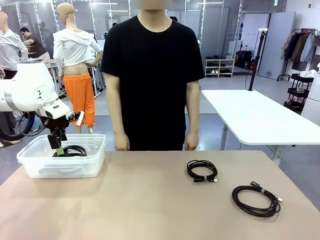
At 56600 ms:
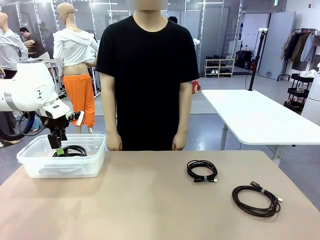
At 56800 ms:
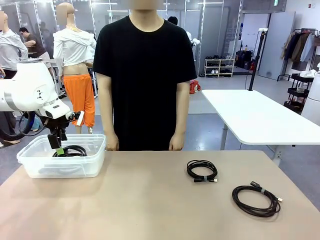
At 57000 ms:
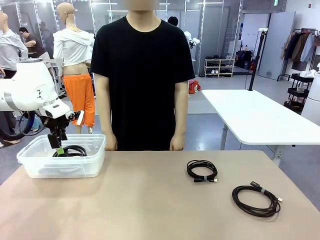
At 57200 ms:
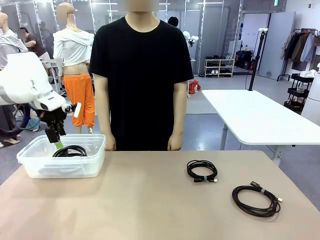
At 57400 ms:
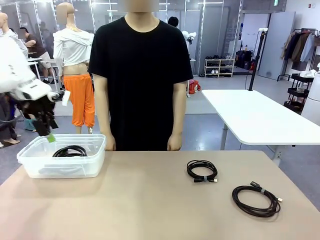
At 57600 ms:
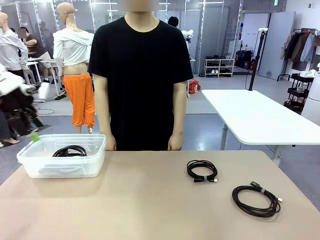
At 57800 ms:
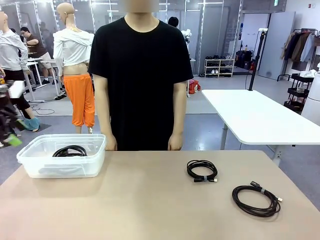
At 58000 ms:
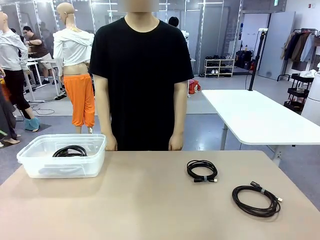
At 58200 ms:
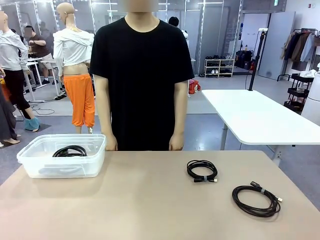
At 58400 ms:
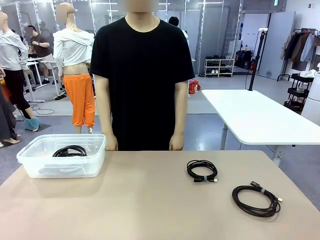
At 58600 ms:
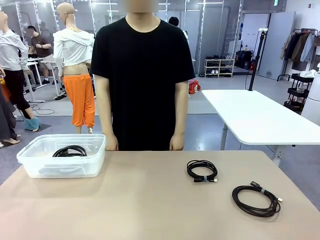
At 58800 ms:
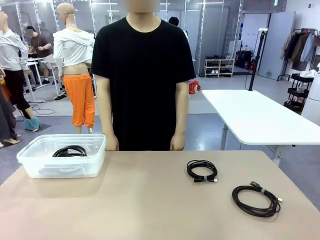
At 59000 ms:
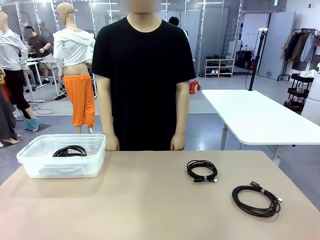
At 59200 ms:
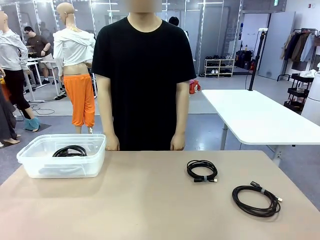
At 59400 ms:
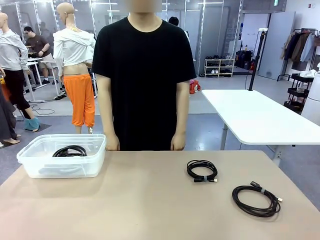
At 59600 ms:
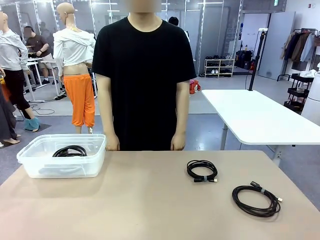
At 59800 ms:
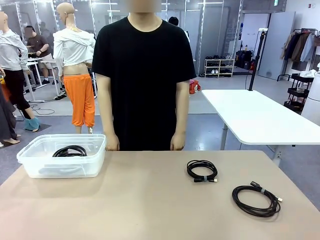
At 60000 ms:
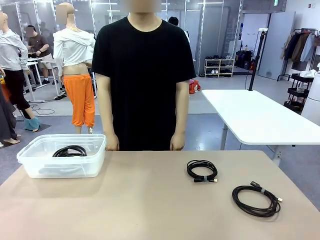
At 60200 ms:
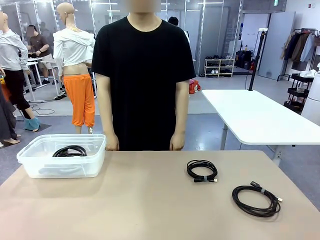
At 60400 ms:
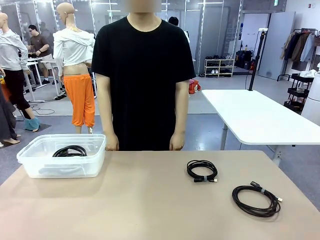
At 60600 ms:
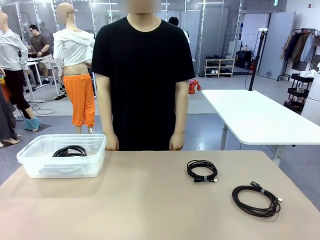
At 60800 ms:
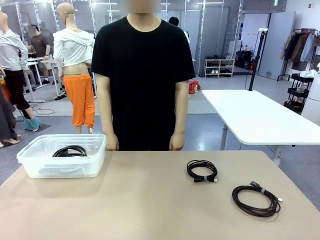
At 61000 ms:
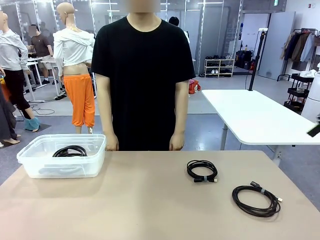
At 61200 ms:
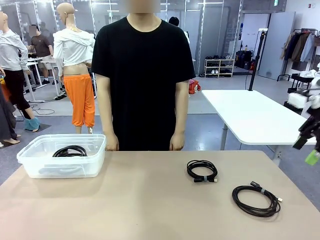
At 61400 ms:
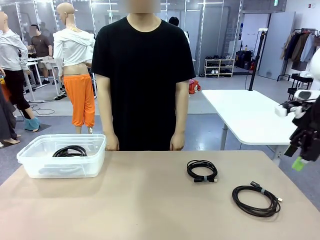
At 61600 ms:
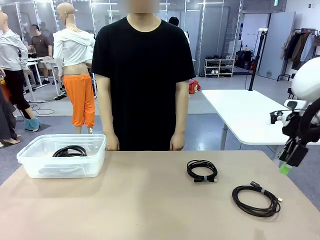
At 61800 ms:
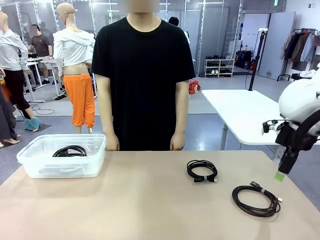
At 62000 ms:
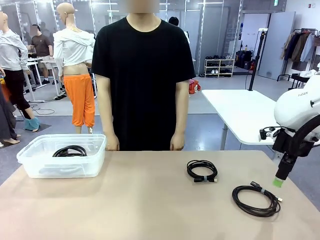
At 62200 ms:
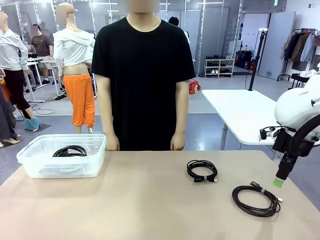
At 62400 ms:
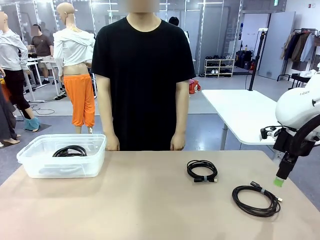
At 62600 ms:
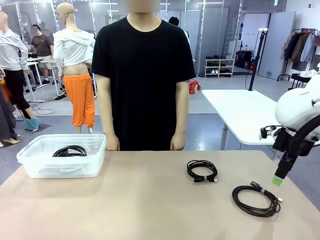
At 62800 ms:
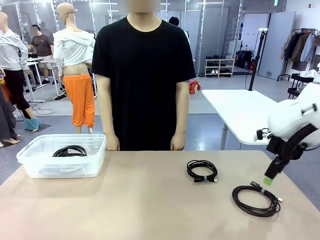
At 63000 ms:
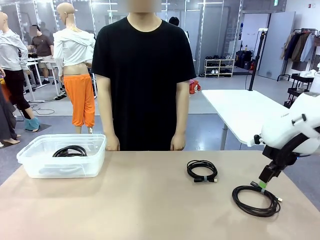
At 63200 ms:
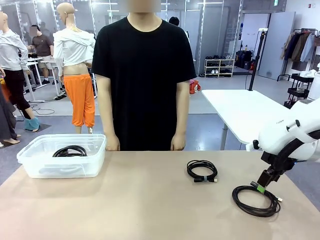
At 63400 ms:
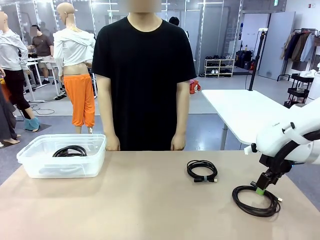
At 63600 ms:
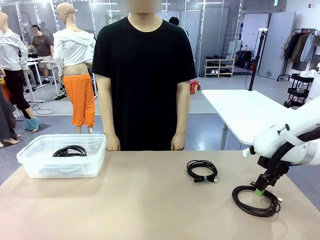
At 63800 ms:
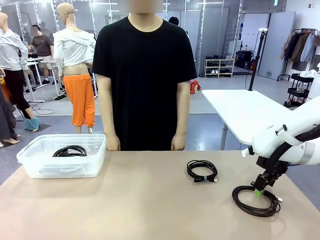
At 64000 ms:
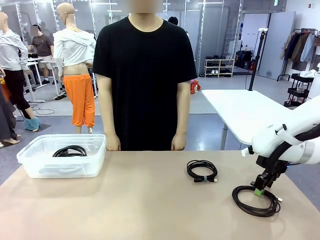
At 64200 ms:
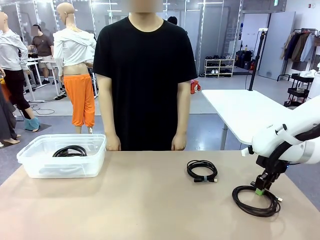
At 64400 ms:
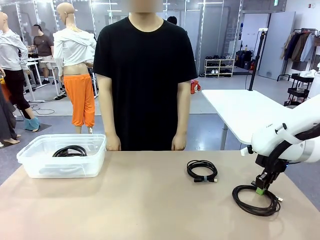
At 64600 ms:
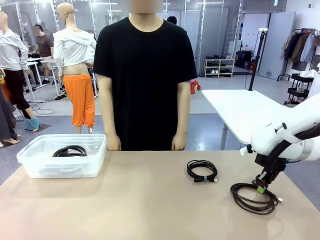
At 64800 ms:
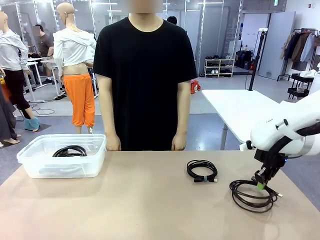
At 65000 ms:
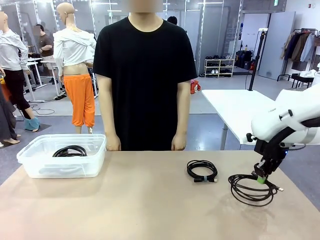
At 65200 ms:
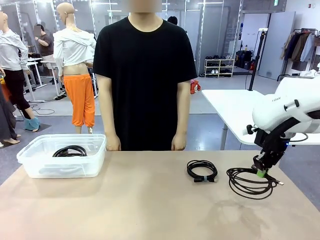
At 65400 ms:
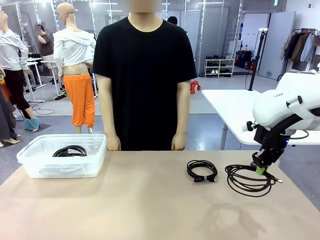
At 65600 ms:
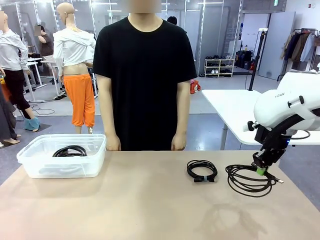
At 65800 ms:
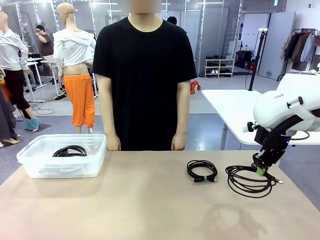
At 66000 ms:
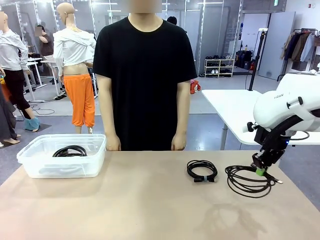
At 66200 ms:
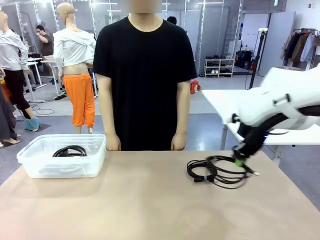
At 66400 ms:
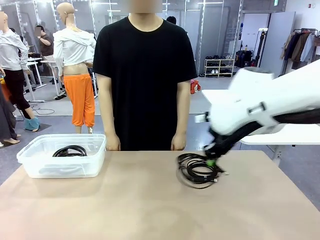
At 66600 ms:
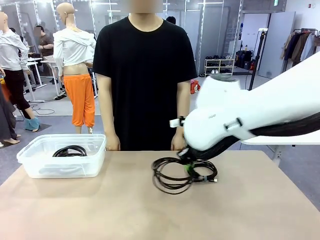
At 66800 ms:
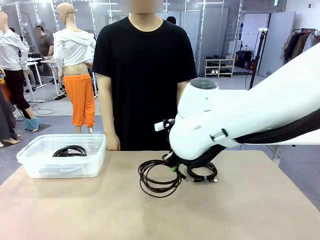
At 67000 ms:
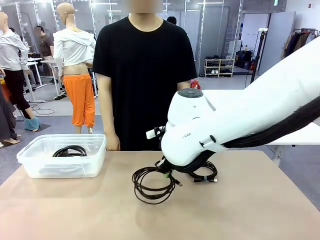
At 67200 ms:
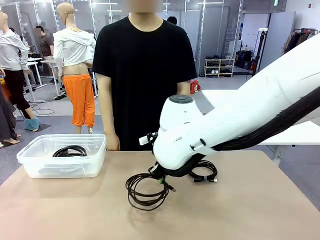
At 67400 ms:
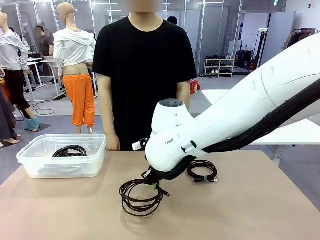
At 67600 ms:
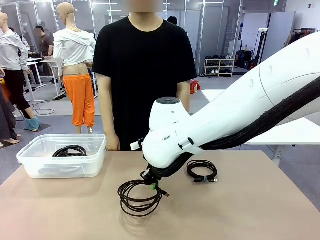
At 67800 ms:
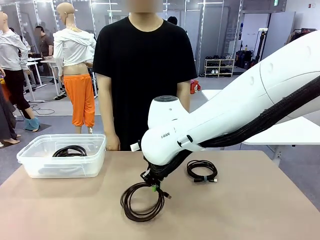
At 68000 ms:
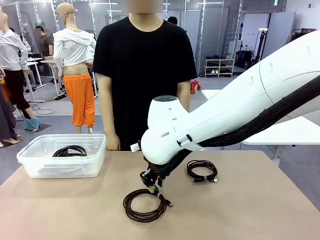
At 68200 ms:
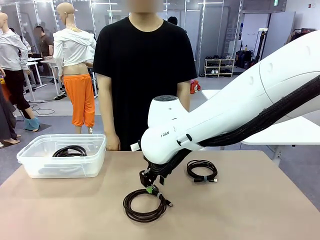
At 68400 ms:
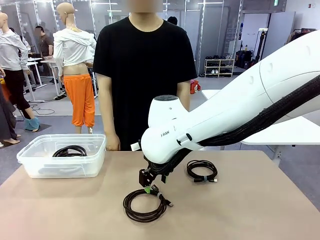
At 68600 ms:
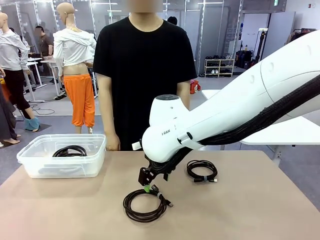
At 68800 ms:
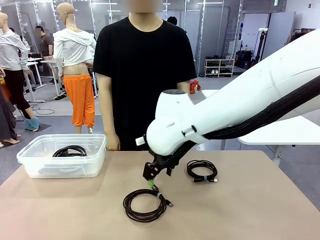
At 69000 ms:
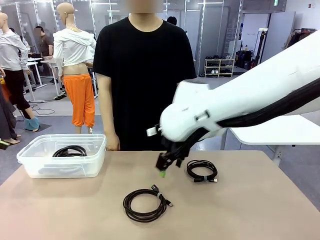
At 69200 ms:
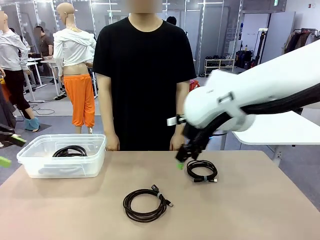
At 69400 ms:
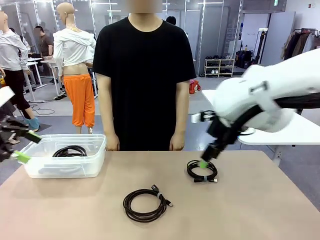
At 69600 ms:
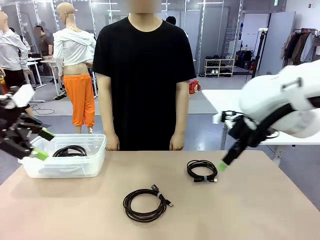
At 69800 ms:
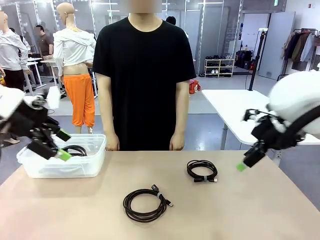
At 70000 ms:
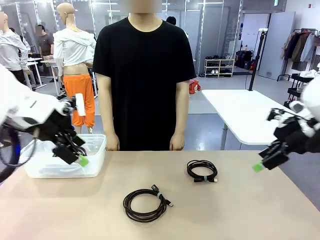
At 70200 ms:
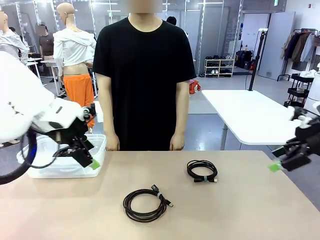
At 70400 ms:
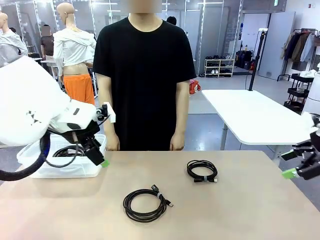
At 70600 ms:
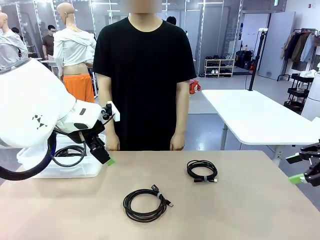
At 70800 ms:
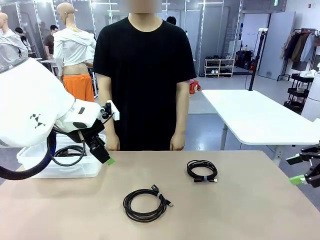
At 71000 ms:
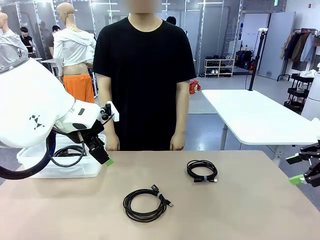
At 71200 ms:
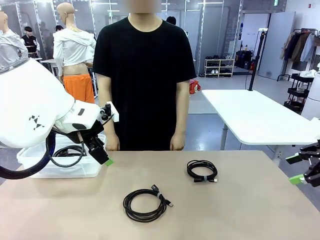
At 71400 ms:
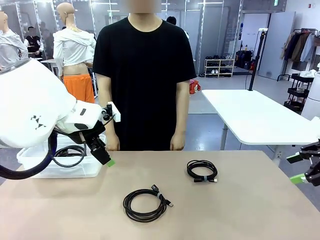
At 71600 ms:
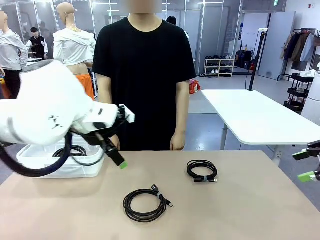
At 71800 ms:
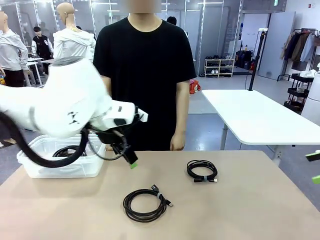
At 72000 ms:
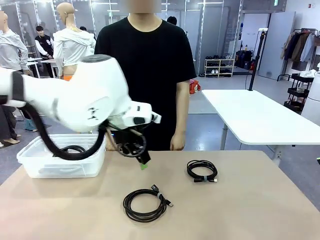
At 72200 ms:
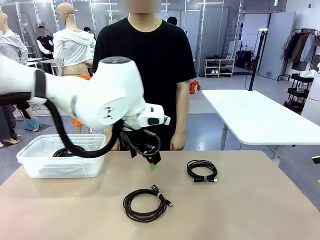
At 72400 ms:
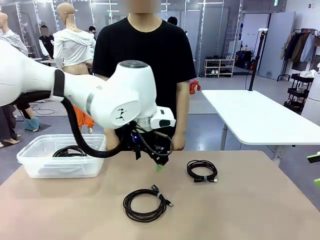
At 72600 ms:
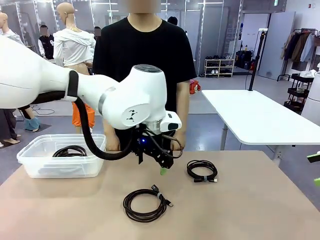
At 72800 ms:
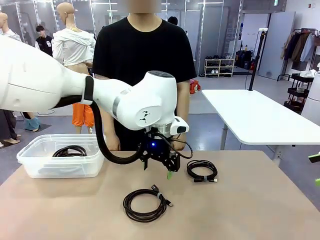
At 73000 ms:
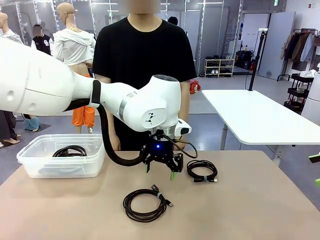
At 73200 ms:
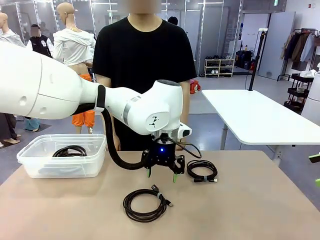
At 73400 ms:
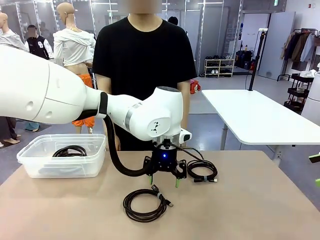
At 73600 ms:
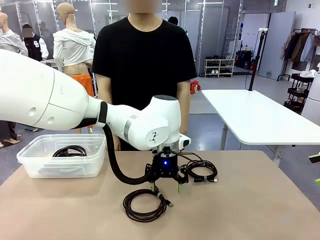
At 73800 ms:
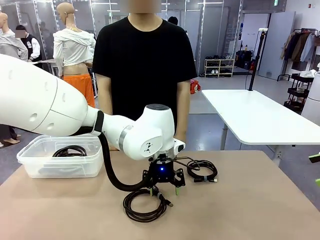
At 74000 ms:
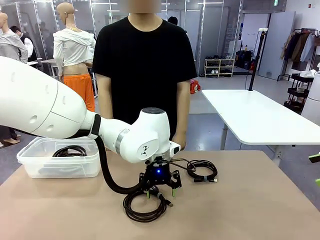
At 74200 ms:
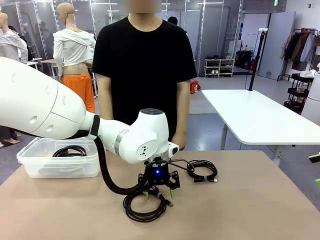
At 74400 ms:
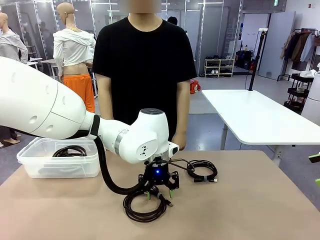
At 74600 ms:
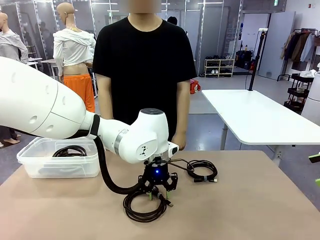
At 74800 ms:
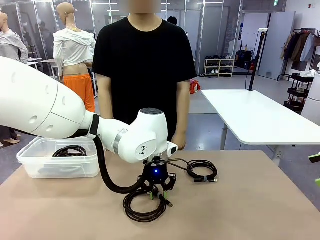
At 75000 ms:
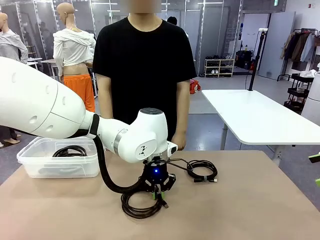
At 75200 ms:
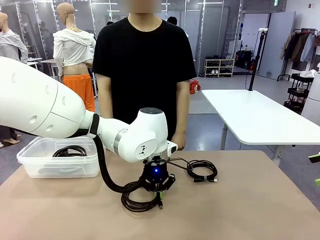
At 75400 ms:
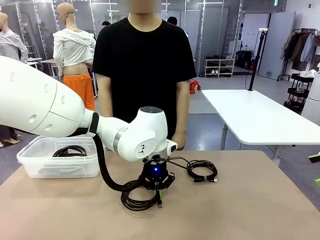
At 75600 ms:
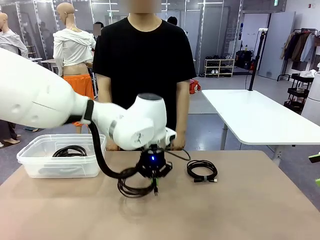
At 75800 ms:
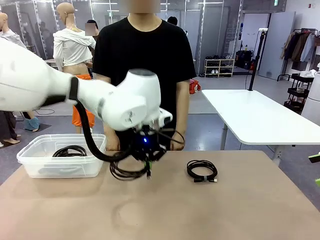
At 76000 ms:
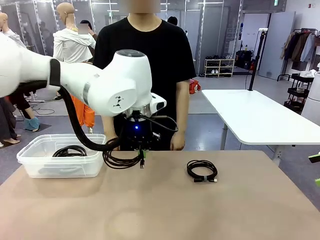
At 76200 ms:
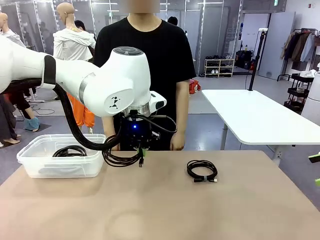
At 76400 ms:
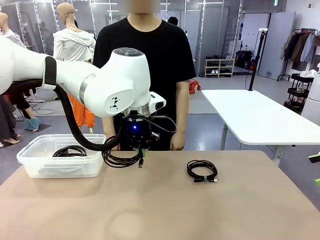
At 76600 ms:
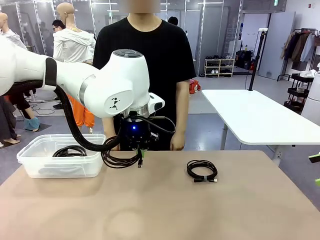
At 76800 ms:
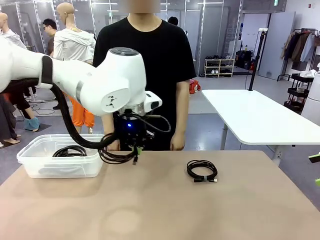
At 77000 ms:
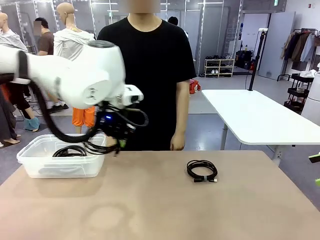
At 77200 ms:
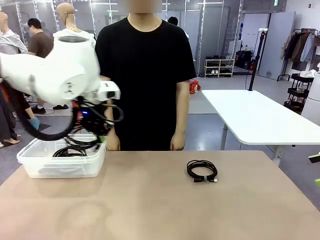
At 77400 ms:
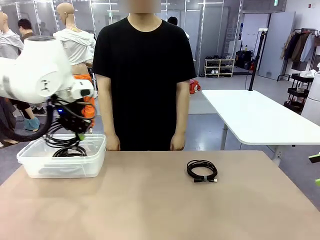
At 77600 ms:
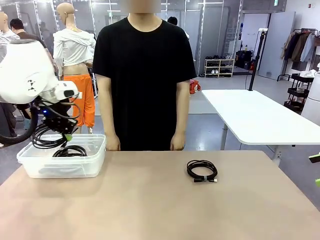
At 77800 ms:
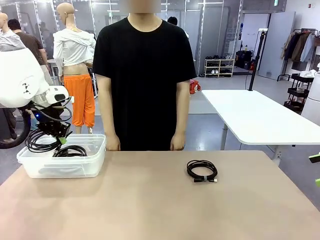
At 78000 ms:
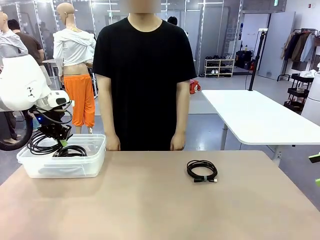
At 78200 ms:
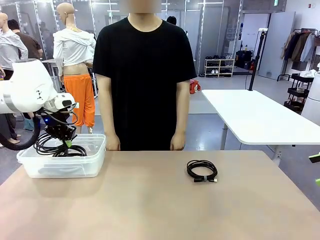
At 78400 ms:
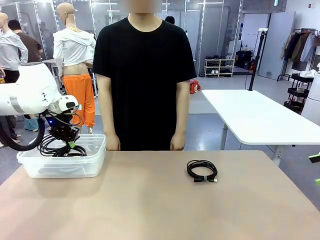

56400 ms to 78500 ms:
Task: Organize and store the cables.
Robot: Place the USB Extension Cable into the Organizing box.
